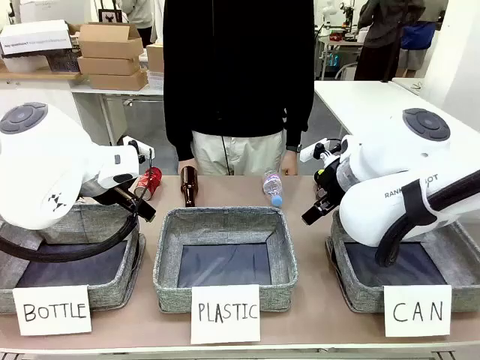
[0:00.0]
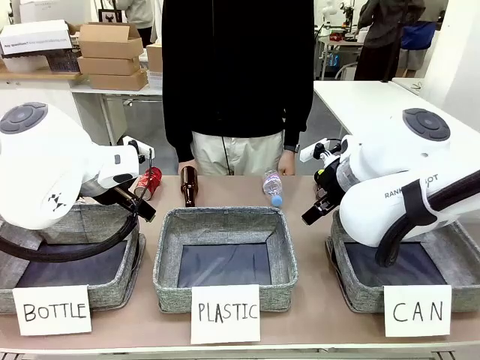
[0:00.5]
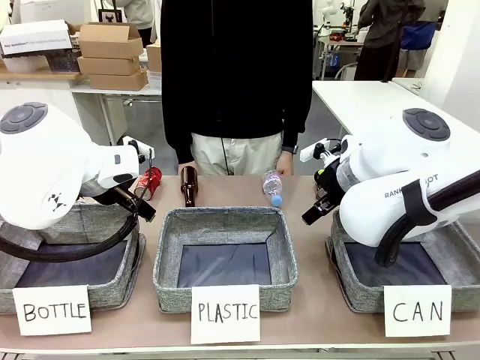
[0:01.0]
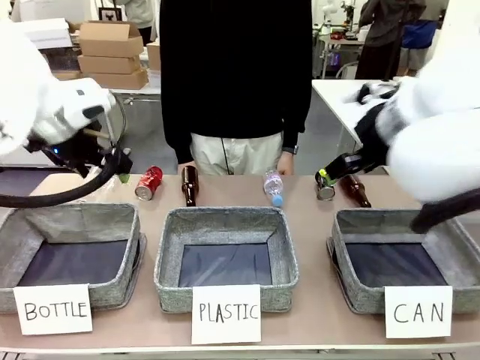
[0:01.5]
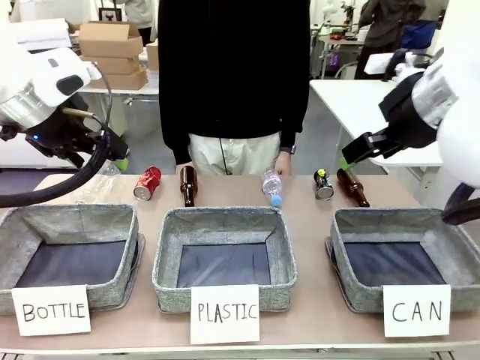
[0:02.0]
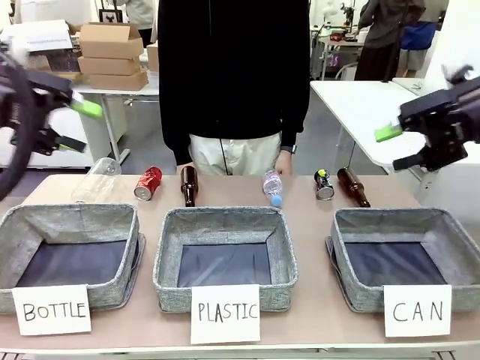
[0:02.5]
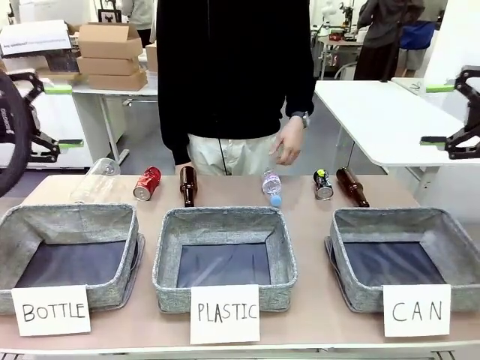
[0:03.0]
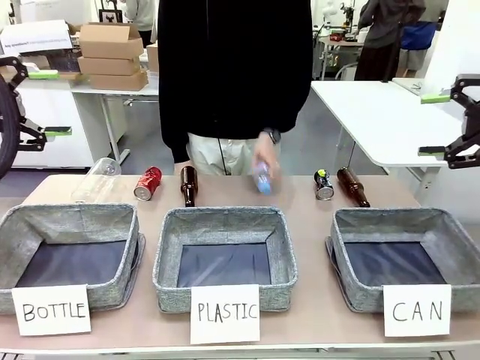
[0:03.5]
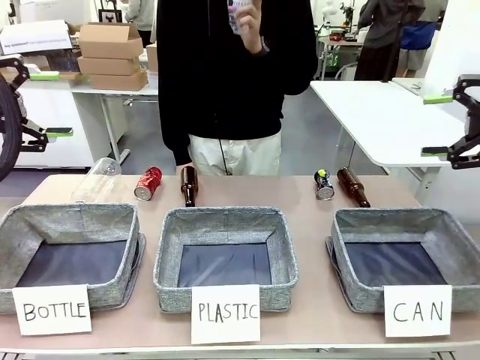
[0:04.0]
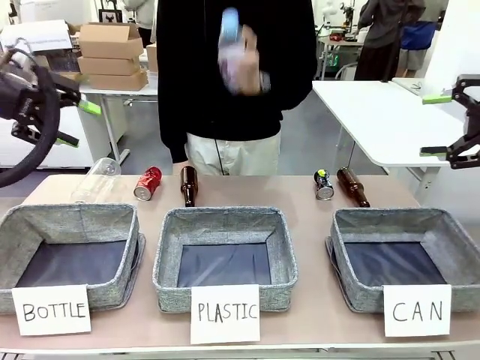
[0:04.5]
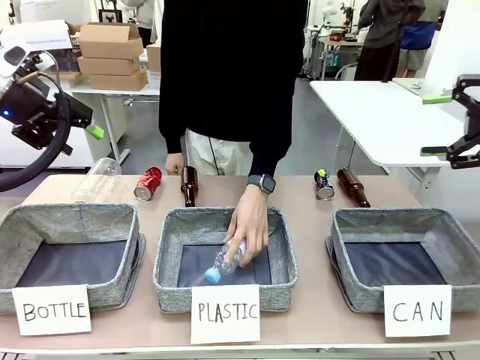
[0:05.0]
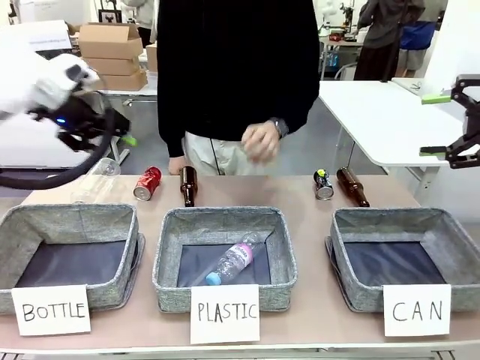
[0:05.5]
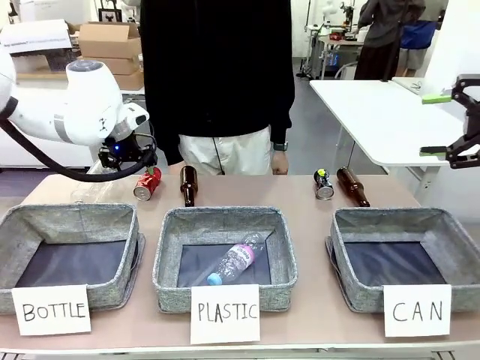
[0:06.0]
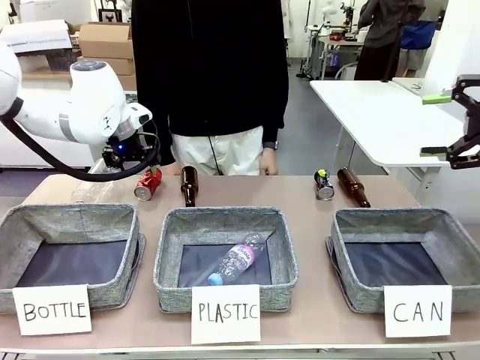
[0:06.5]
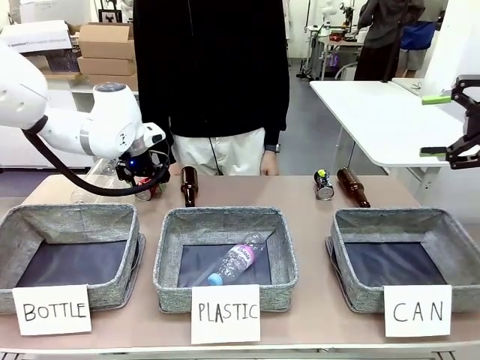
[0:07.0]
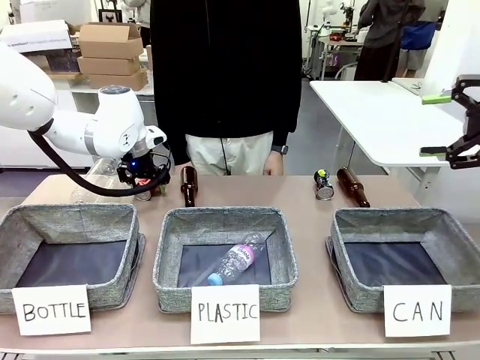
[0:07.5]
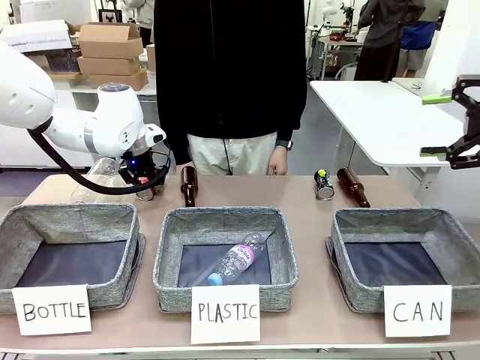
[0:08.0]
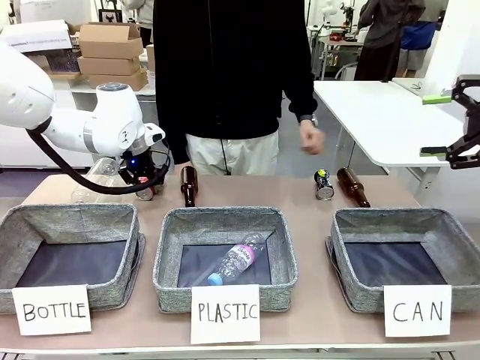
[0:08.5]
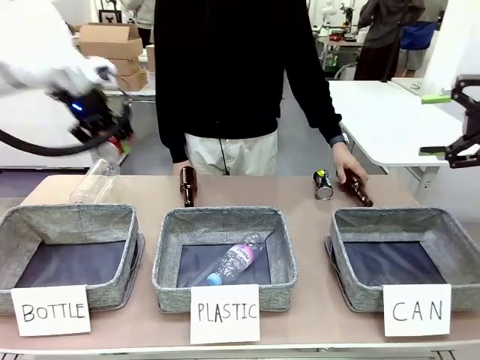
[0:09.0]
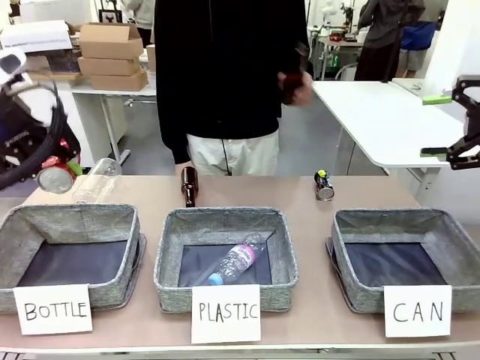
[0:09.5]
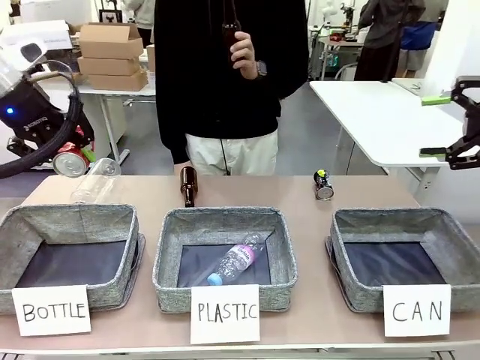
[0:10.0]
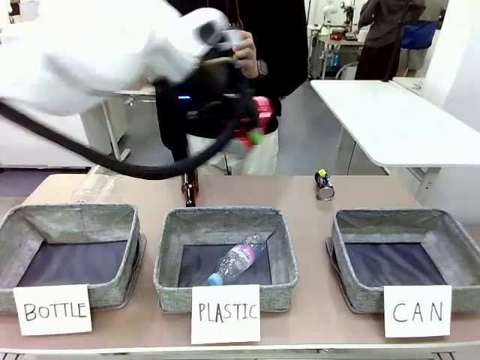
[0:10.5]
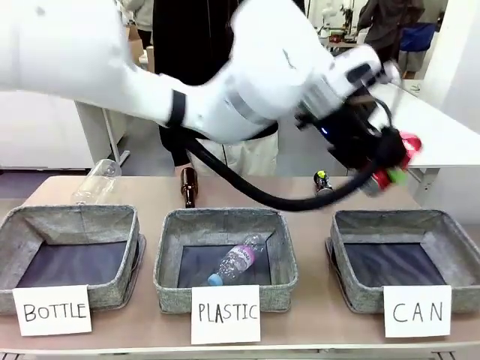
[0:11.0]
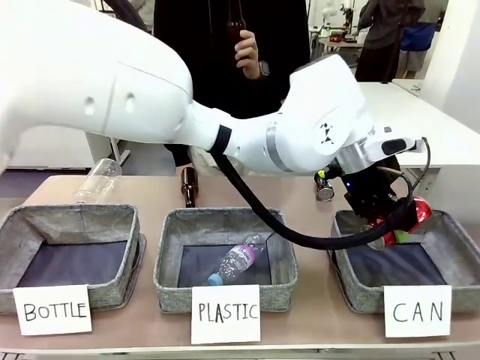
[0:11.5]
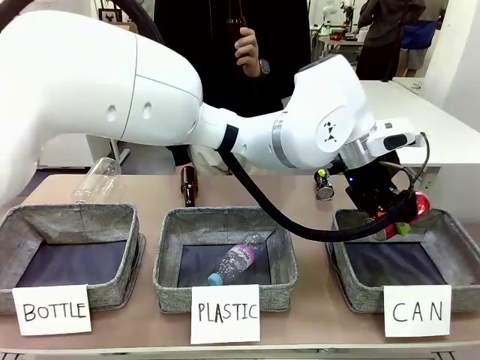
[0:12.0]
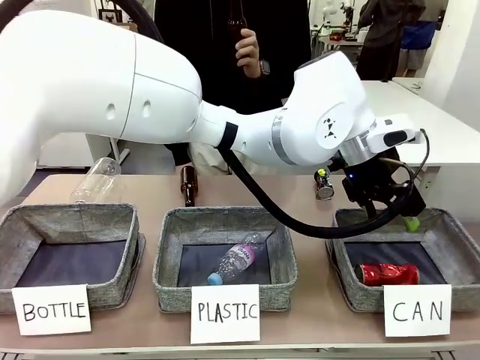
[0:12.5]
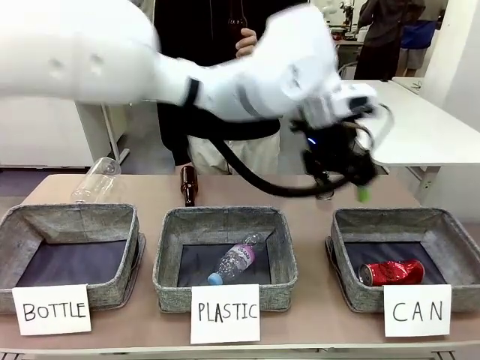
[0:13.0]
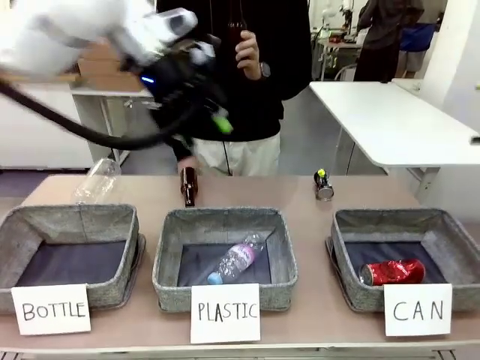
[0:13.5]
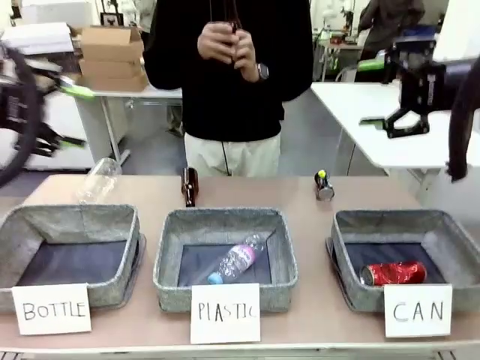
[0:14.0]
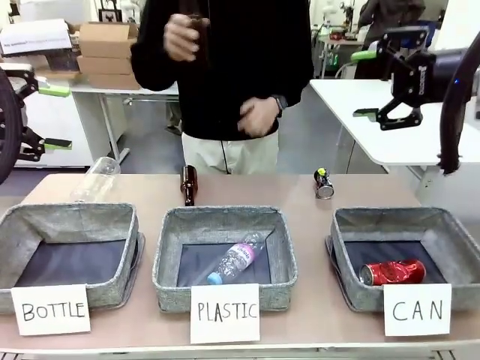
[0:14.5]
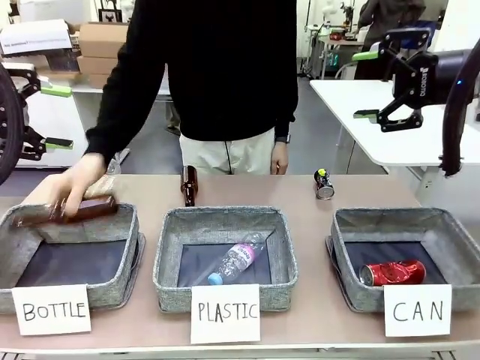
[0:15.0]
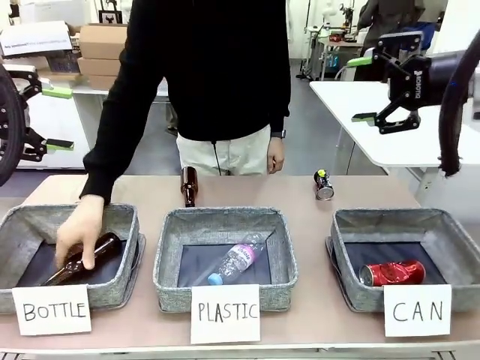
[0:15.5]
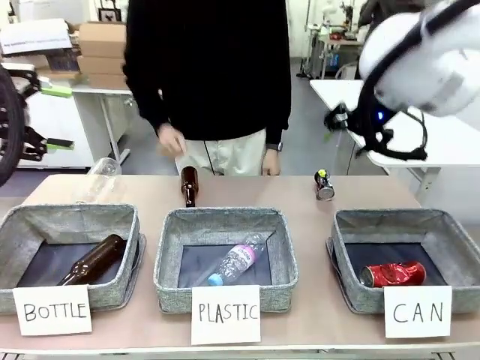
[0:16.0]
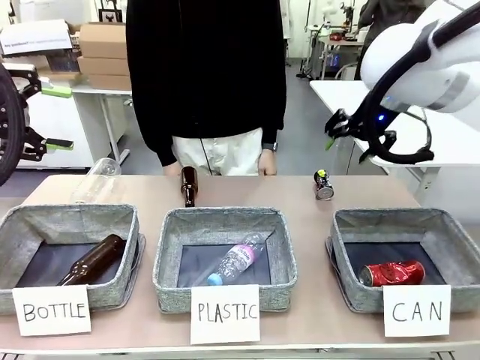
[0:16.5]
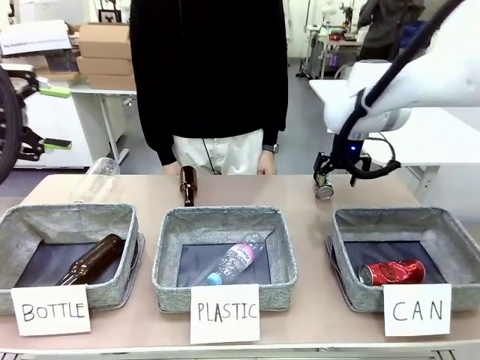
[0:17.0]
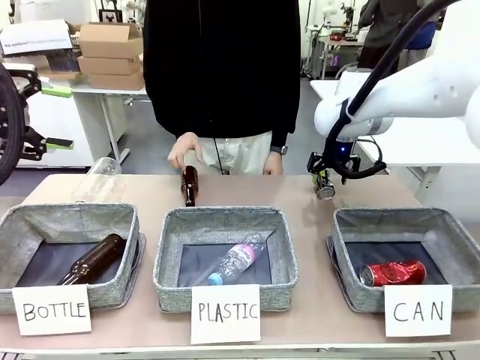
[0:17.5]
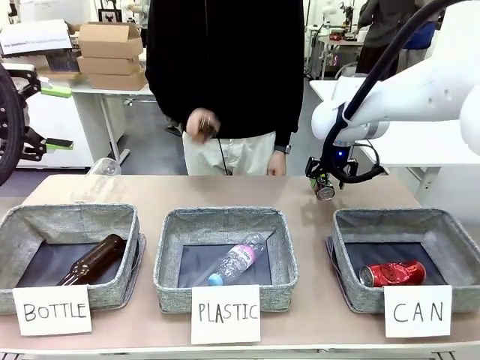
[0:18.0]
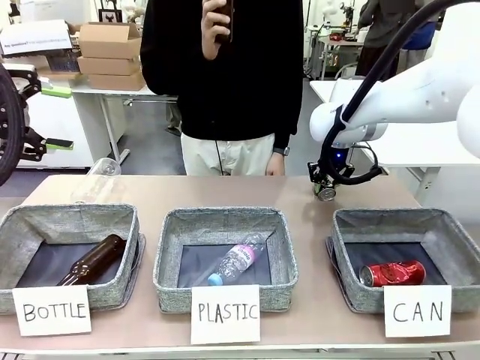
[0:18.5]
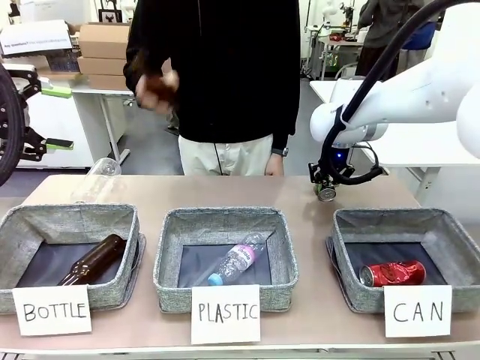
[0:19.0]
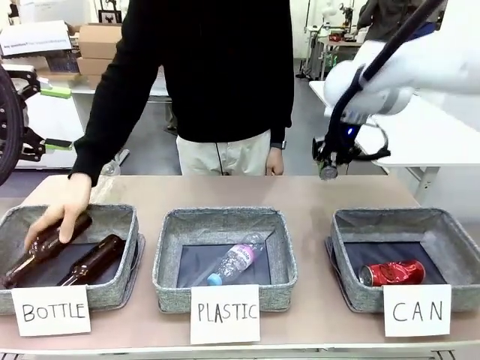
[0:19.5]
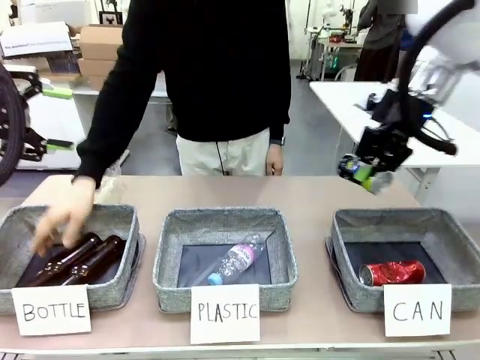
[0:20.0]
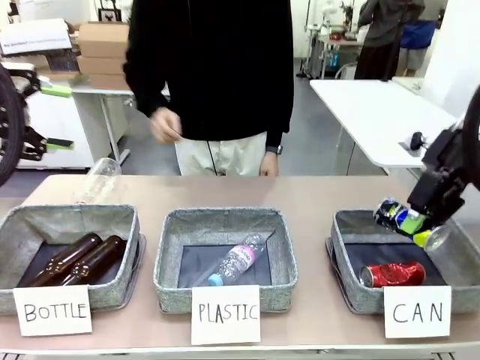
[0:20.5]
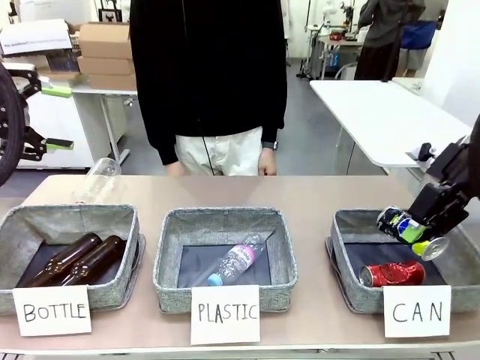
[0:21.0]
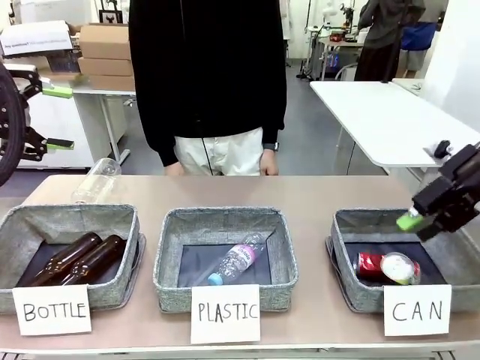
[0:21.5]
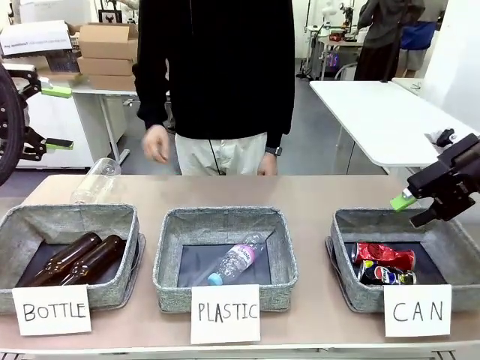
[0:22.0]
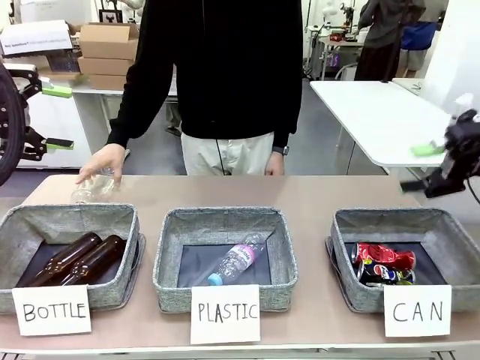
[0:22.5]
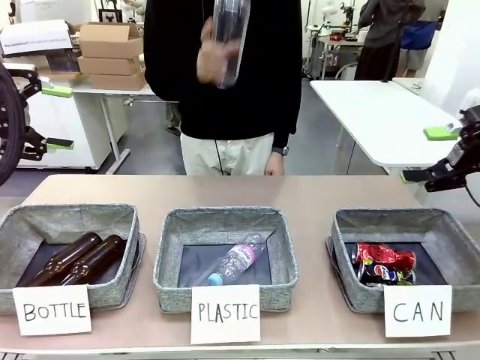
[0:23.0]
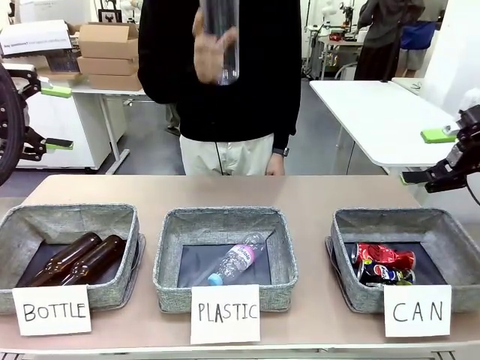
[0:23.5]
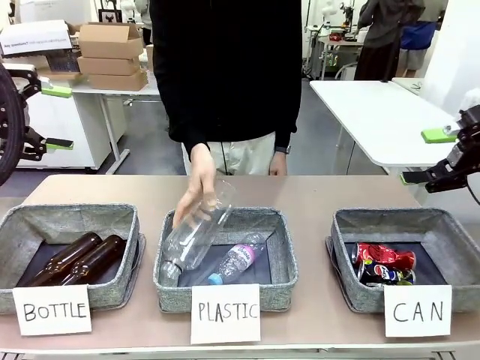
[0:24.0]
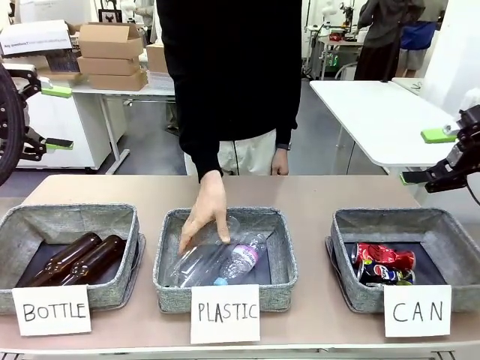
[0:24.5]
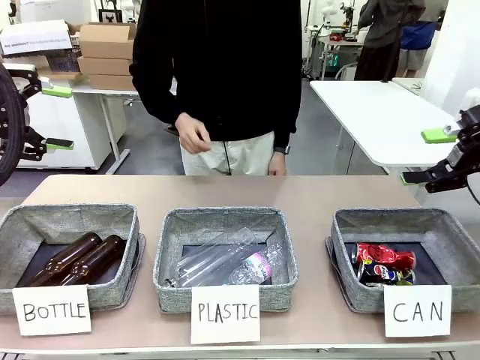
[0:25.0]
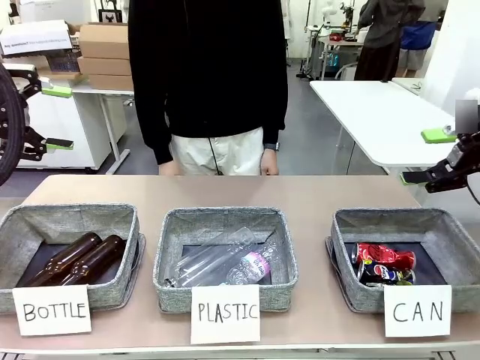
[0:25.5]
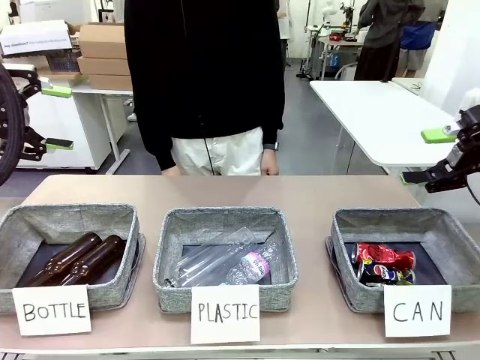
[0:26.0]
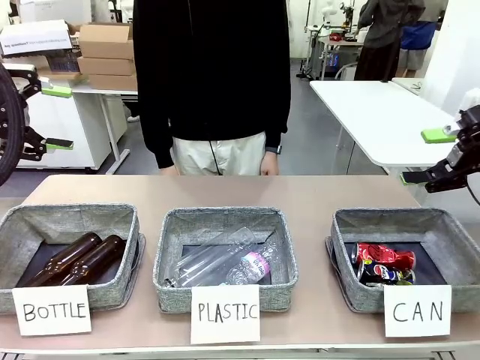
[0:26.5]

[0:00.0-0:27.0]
Task: Sort the can waste into the basket.
Robot: Pick up the can waste from the table and place it in the right Fabric basket.
Person: The human picks up one piece of trash that is not a can and places the trash into the appropriate organizing basket.
